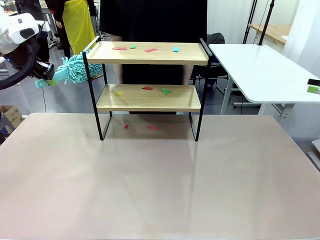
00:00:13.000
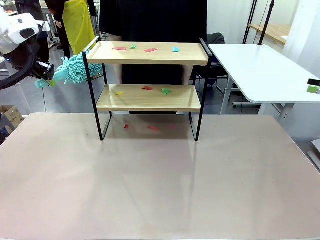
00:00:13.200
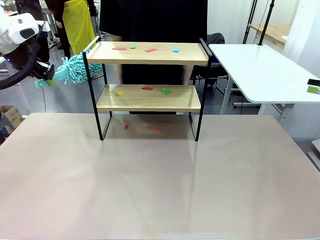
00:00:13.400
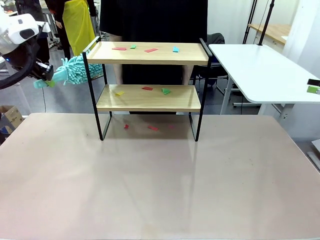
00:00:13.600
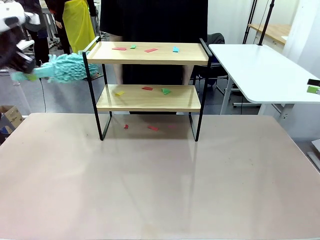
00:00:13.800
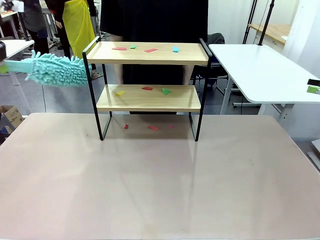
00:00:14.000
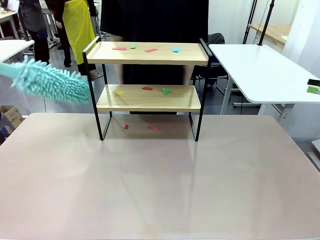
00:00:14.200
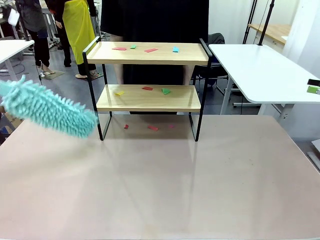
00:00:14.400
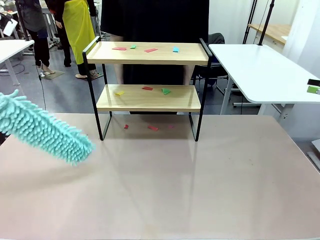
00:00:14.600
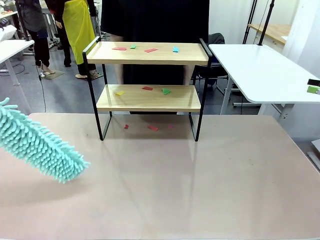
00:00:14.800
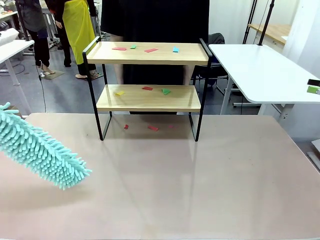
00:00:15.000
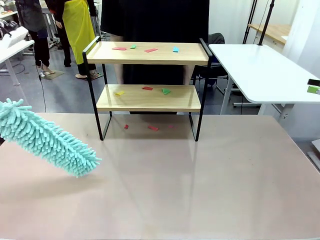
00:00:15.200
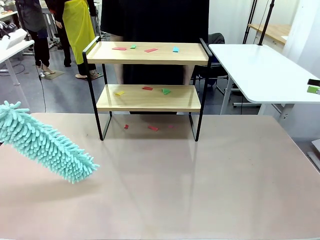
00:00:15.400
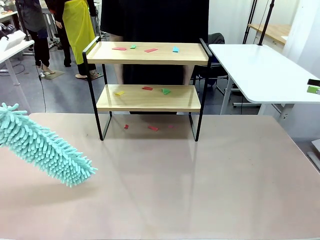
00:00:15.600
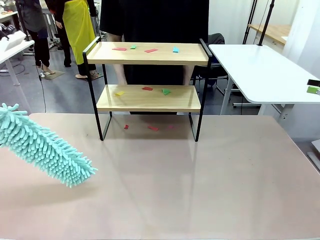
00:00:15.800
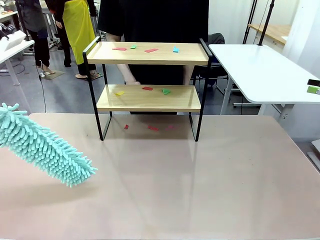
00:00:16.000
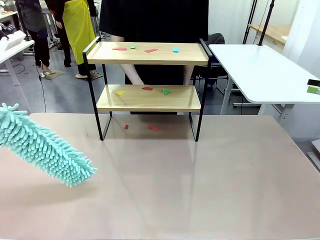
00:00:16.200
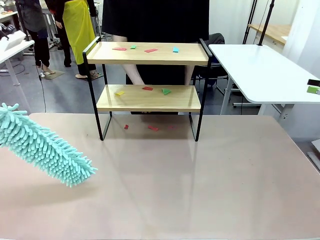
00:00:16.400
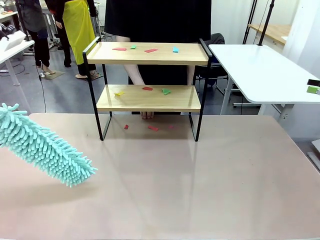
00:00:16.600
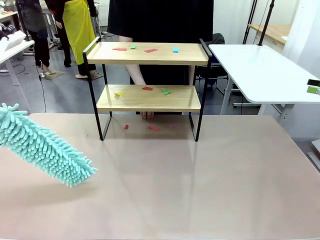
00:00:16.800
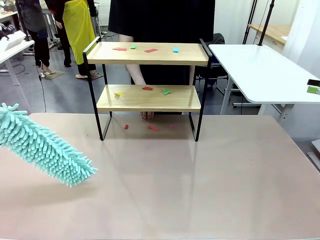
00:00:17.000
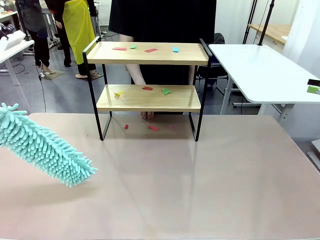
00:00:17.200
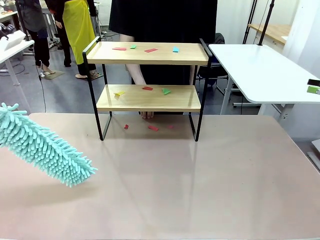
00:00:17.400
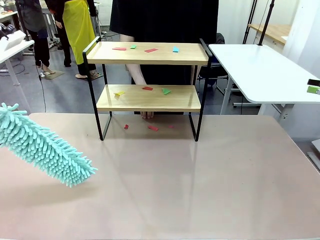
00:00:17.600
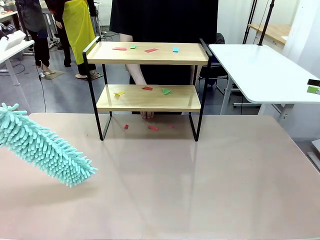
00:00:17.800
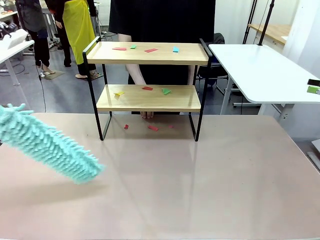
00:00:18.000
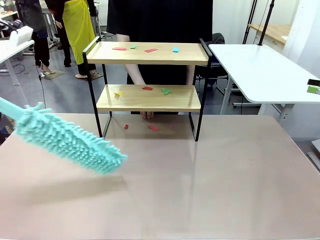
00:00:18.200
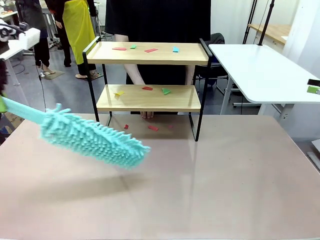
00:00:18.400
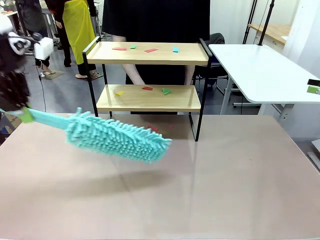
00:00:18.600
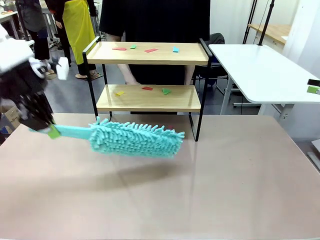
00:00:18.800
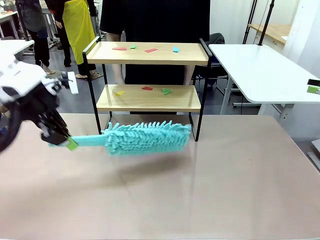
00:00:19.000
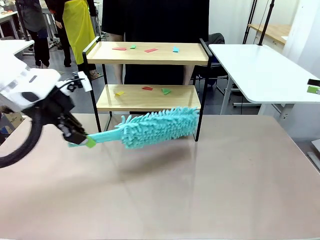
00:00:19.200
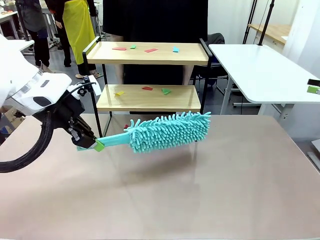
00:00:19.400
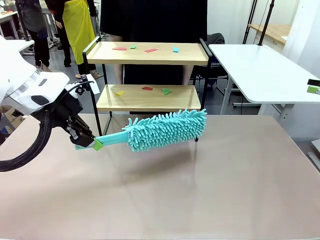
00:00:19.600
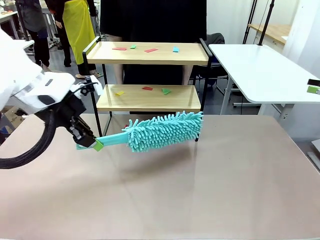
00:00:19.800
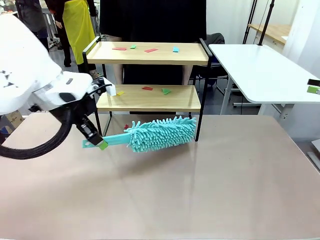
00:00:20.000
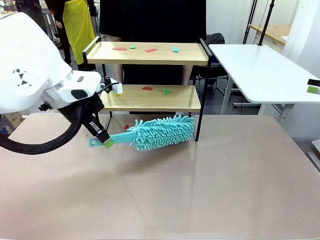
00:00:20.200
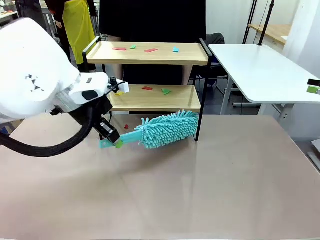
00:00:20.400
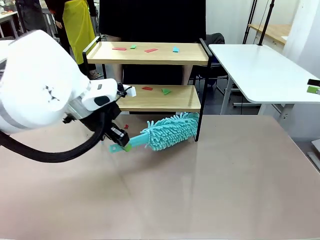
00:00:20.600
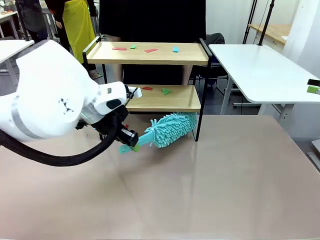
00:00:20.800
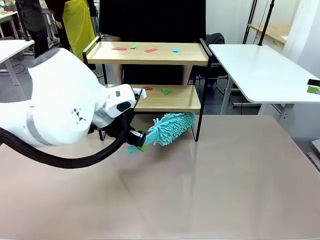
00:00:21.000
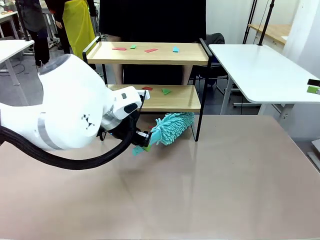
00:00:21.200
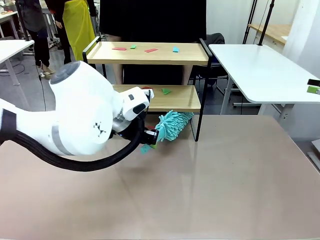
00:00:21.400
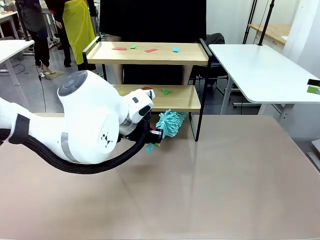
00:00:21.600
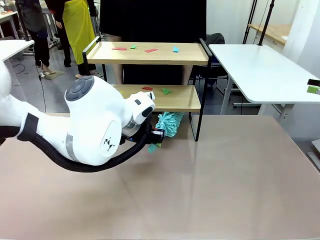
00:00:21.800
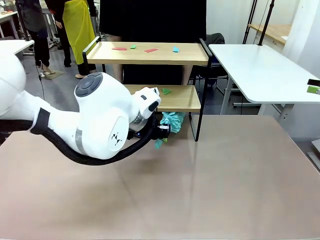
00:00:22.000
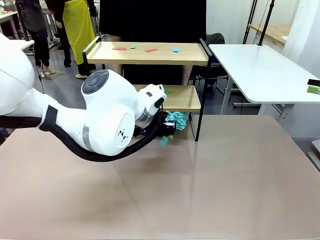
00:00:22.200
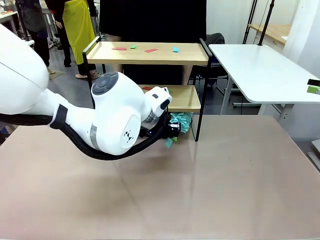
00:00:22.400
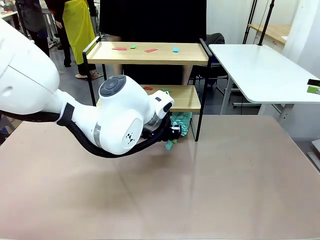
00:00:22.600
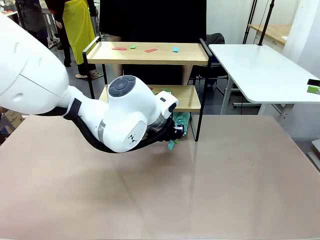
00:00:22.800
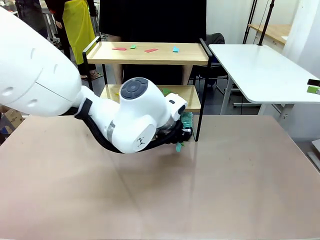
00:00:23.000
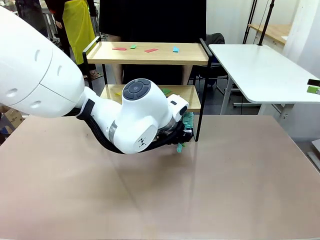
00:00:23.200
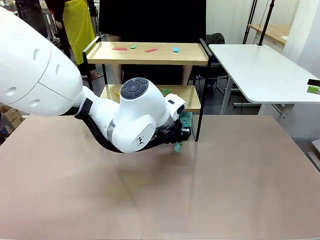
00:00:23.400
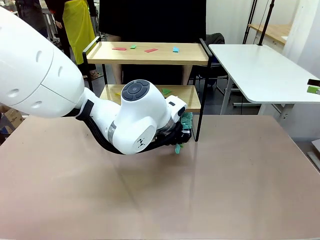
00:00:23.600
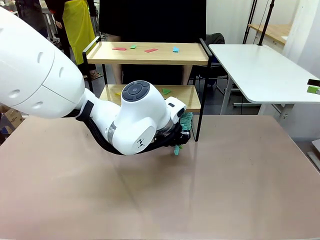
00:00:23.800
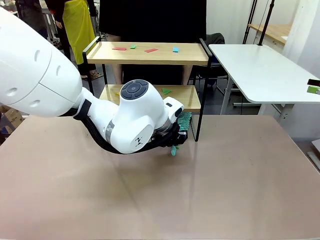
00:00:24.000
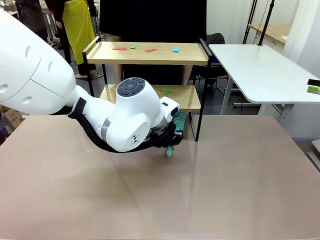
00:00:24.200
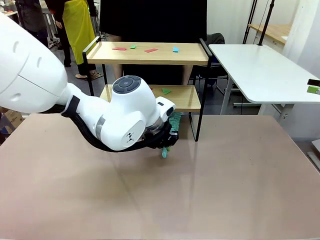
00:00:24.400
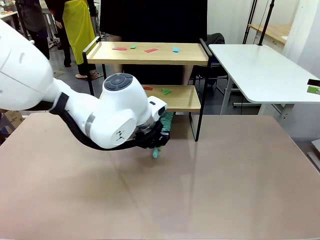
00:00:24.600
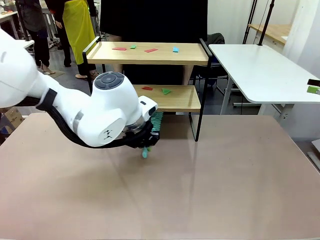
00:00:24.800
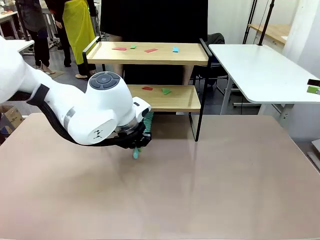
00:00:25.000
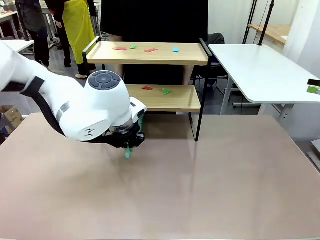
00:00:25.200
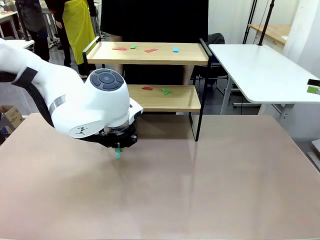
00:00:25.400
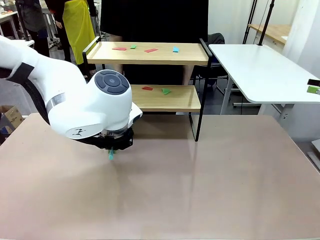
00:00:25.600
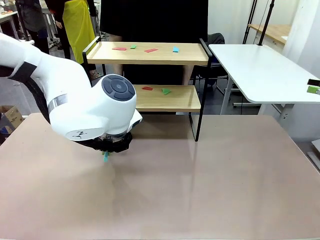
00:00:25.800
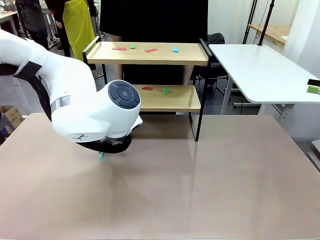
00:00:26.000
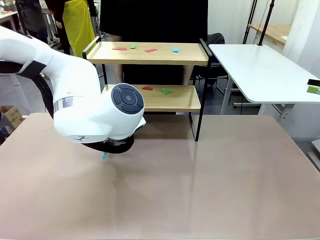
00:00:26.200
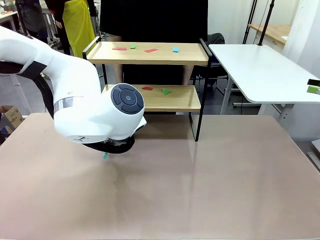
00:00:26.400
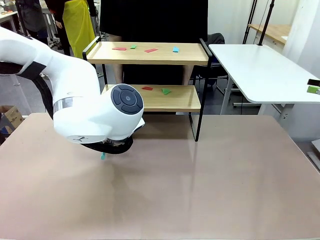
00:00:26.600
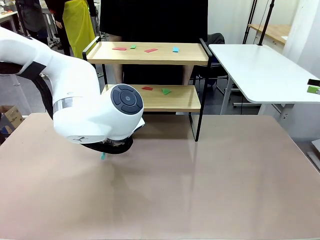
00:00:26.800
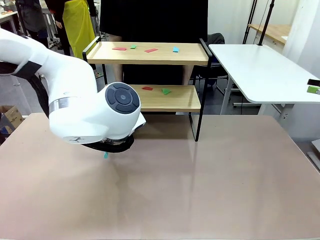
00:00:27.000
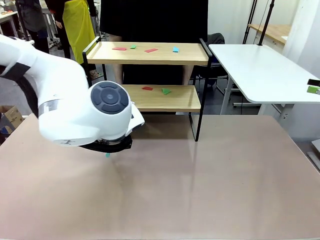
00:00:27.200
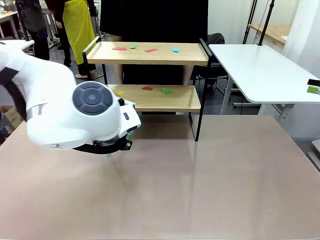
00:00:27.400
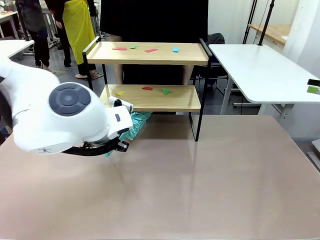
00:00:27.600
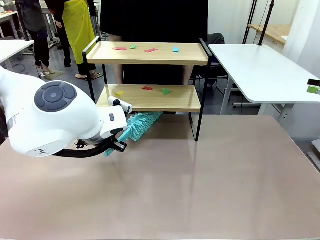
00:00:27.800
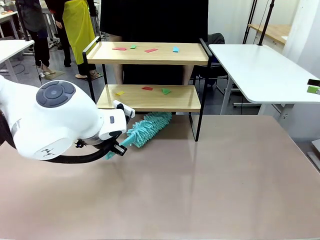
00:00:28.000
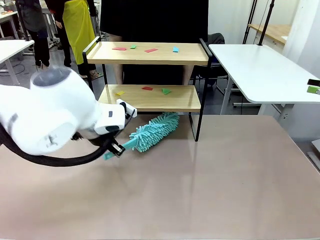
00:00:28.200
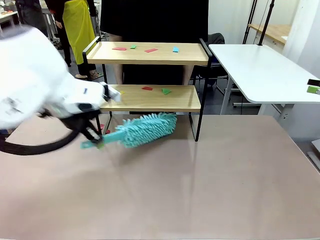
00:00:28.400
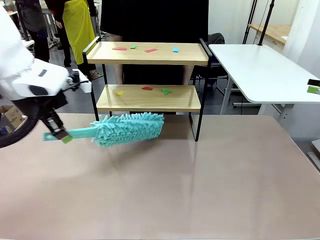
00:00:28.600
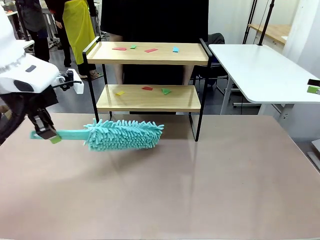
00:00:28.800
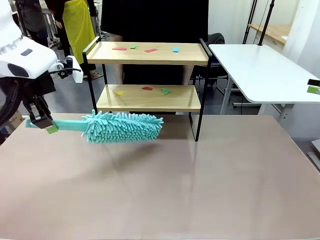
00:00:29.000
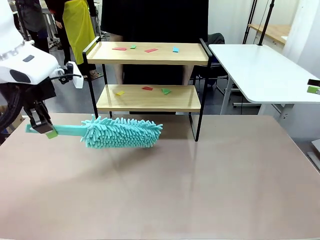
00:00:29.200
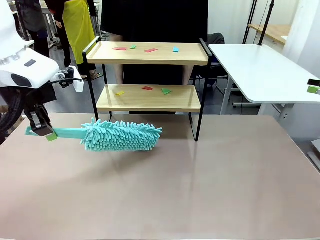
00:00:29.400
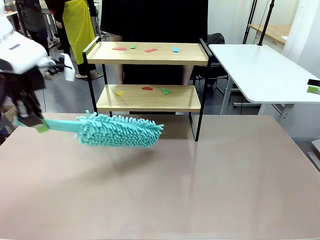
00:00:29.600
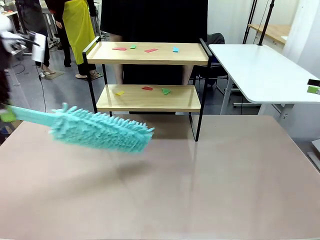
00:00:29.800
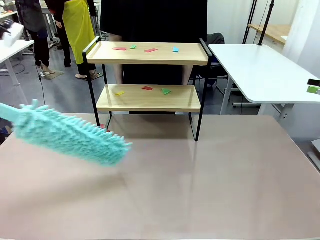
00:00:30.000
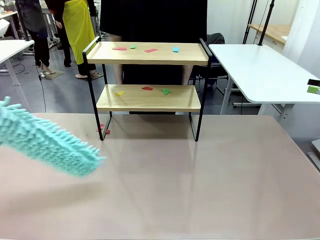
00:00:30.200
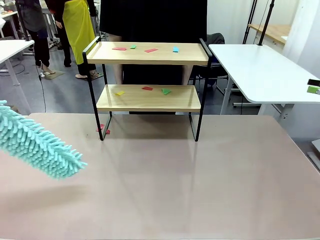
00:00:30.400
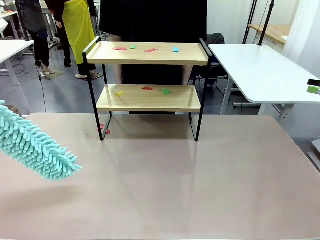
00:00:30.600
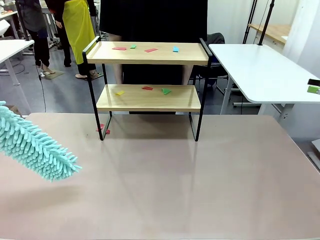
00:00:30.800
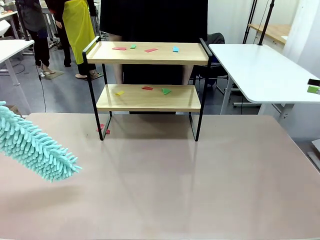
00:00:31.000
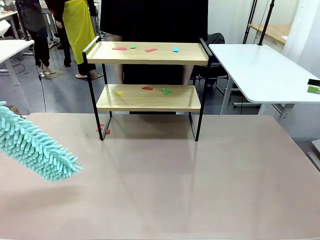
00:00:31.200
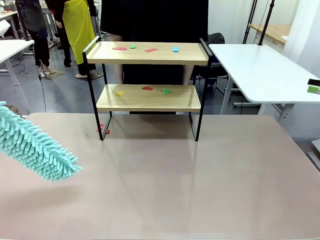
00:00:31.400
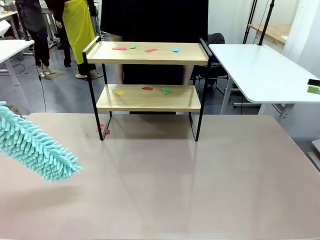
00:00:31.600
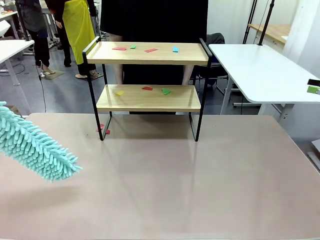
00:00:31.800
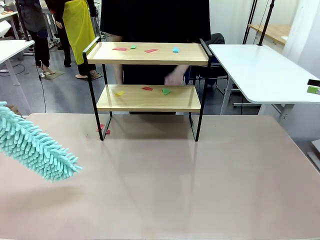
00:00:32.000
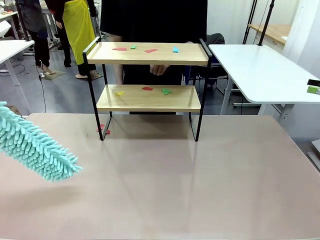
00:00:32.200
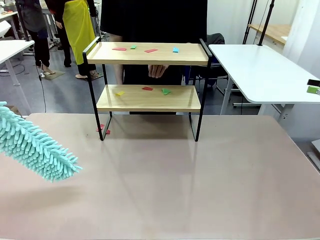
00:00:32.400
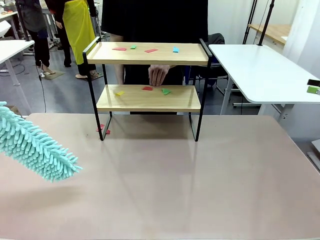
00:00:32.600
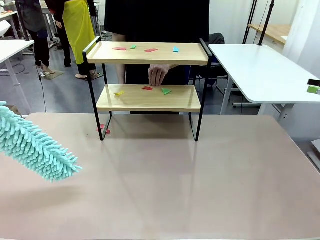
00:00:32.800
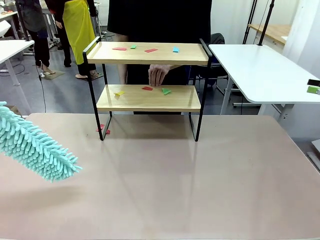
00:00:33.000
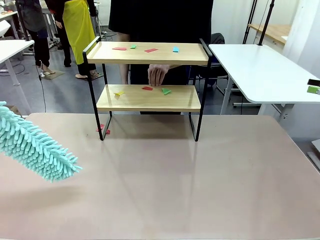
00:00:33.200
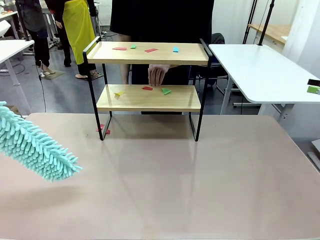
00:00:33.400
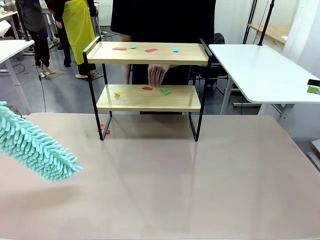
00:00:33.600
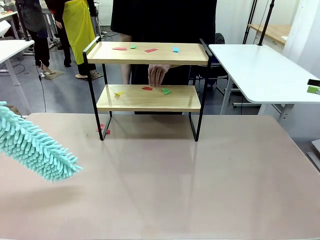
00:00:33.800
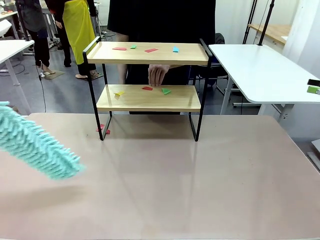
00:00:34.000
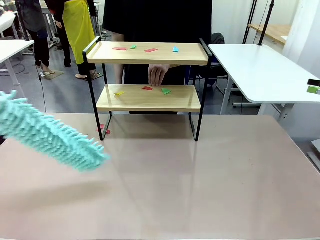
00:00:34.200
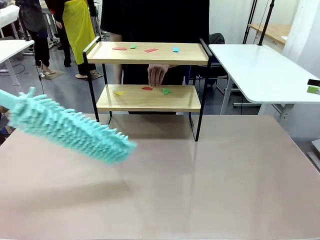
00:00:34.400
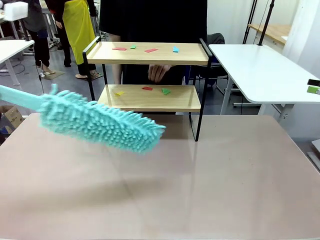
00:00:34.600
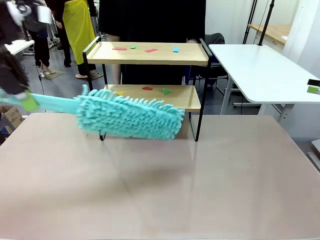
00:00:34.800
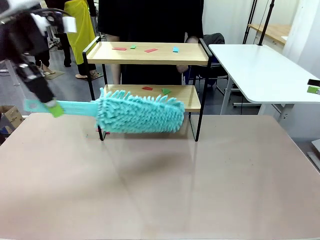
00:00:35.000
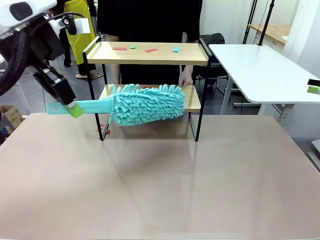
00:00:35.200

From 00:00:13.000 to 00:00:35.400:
Task: Clean the shelf.
Robot: Clean the specific section of the Shelf indicated by the human with the Duster.
Person: Point a random section of the Shelf.
